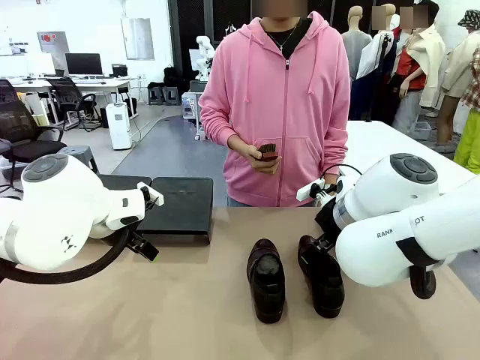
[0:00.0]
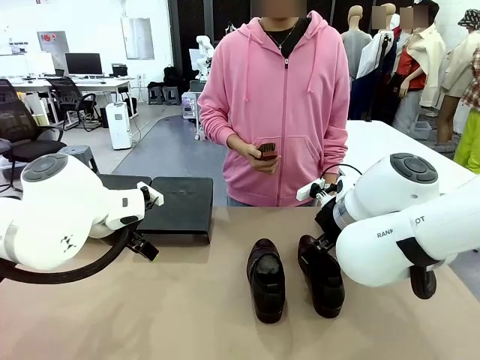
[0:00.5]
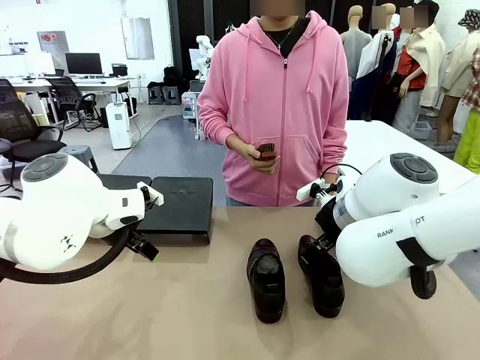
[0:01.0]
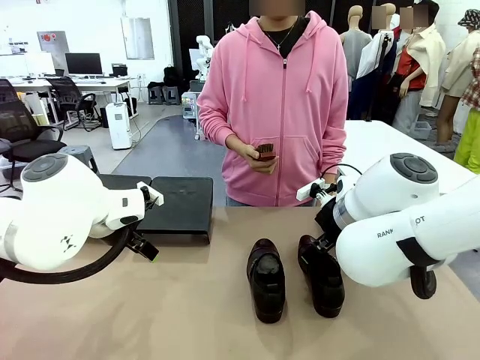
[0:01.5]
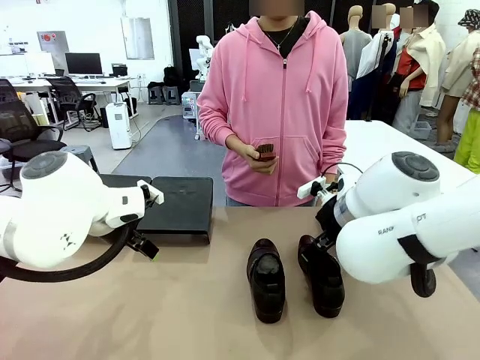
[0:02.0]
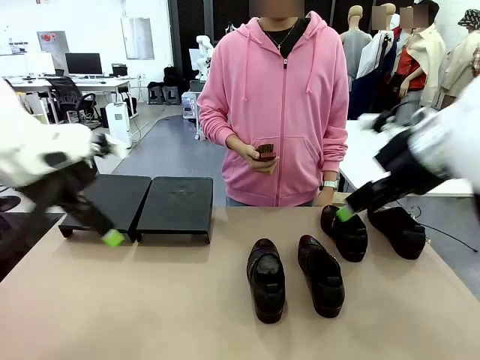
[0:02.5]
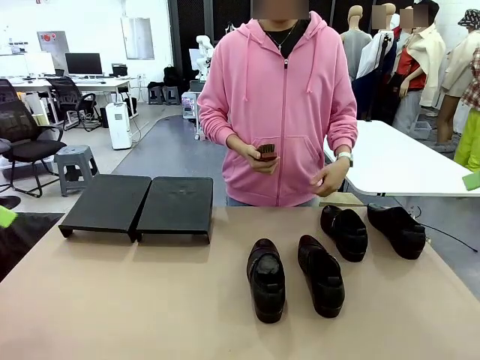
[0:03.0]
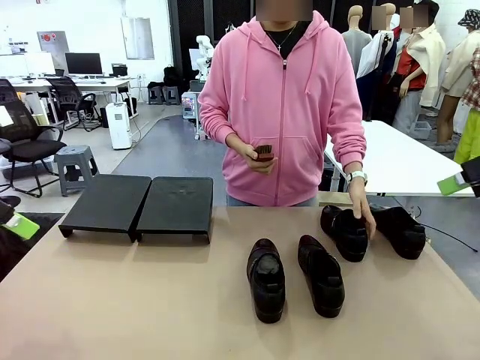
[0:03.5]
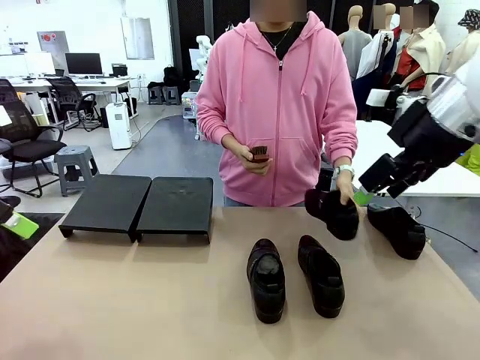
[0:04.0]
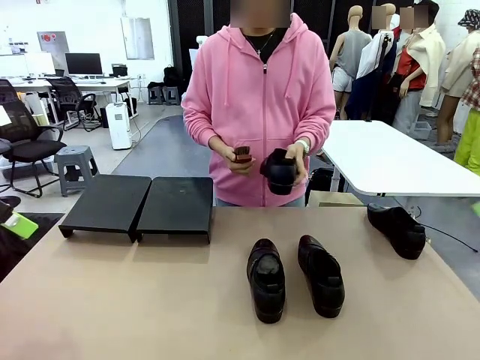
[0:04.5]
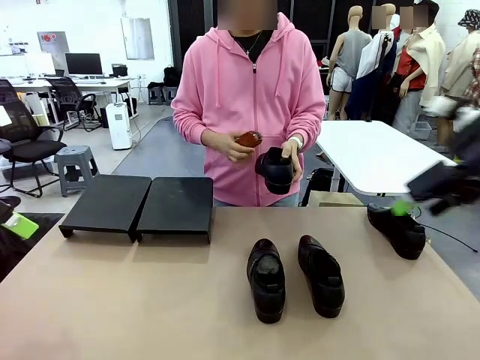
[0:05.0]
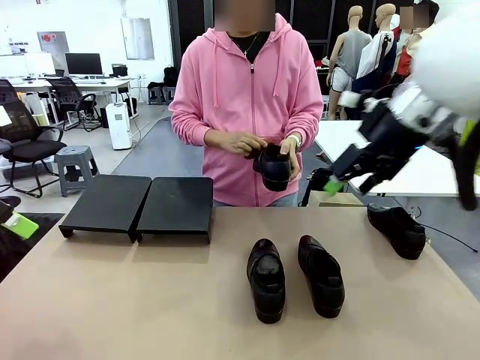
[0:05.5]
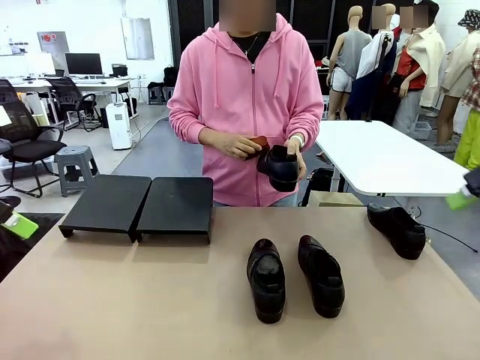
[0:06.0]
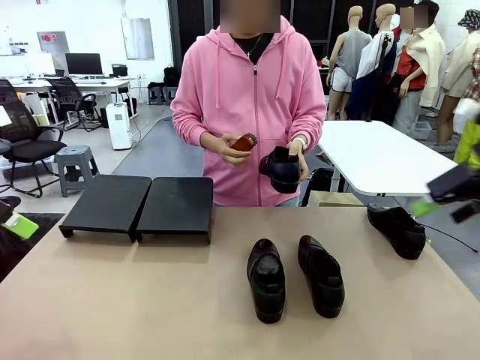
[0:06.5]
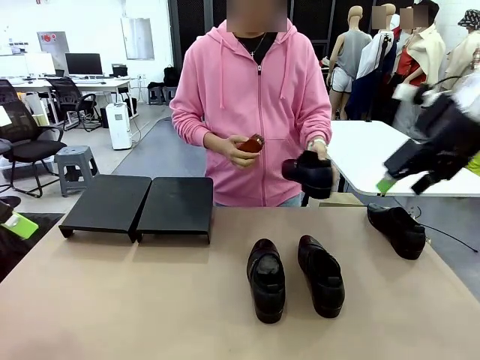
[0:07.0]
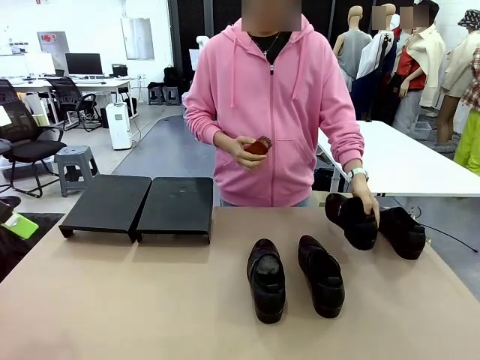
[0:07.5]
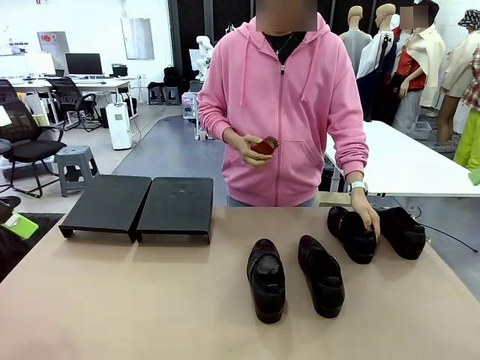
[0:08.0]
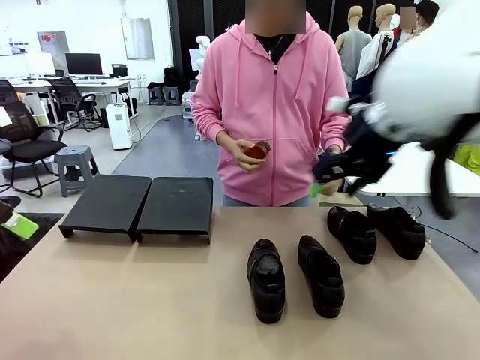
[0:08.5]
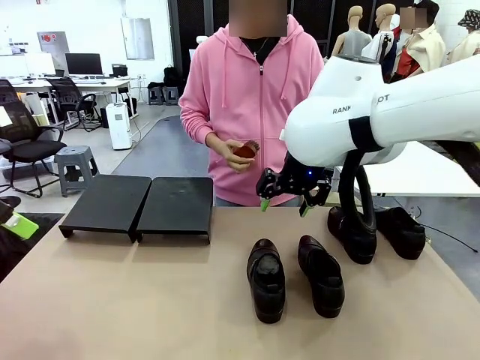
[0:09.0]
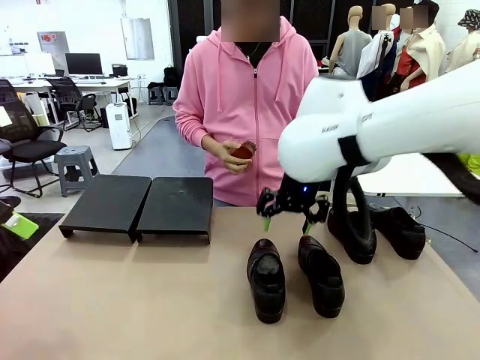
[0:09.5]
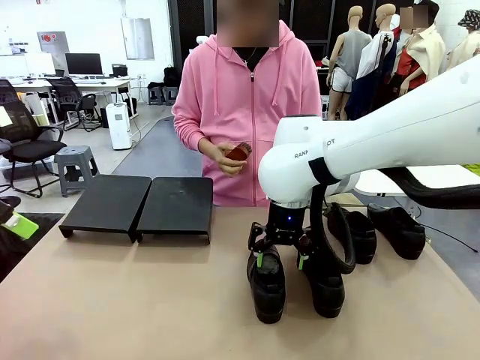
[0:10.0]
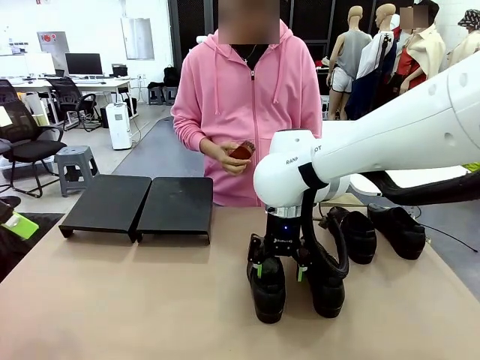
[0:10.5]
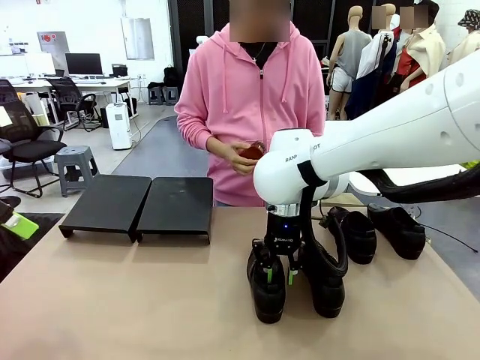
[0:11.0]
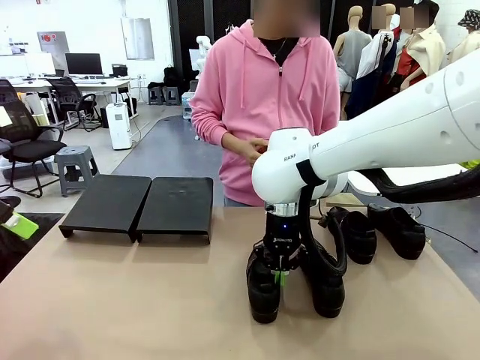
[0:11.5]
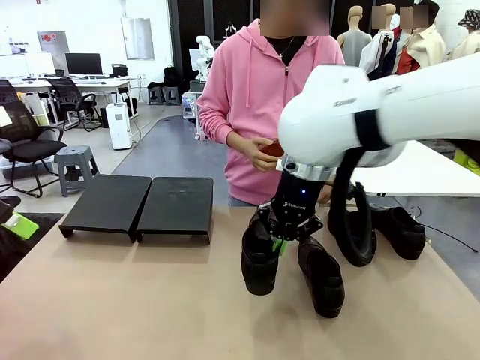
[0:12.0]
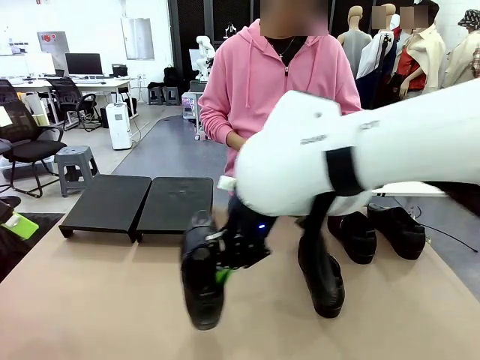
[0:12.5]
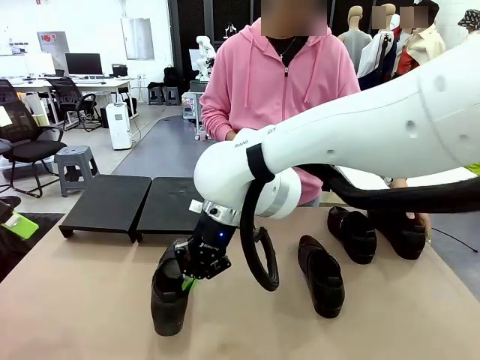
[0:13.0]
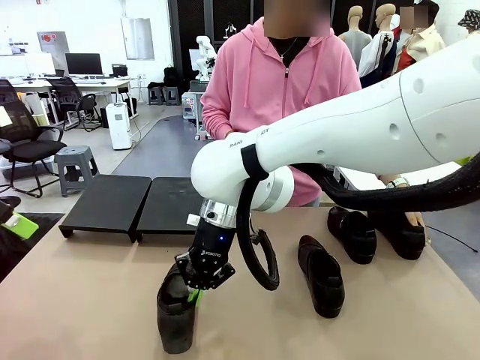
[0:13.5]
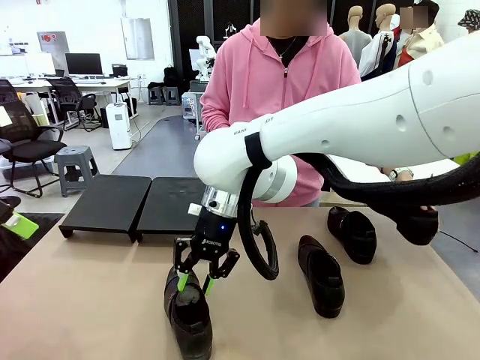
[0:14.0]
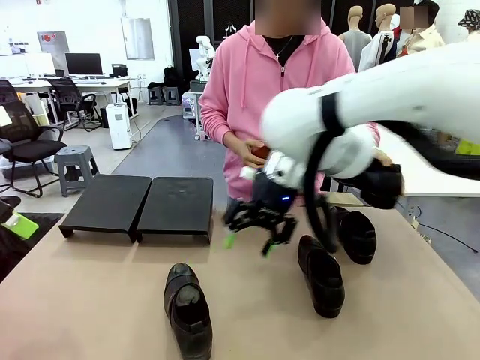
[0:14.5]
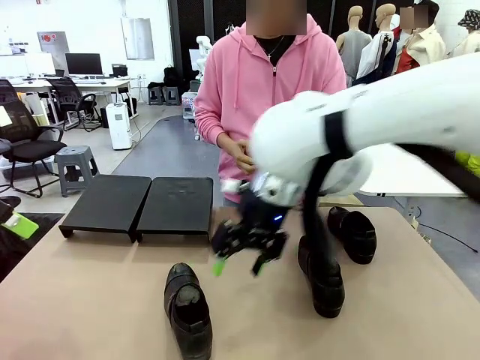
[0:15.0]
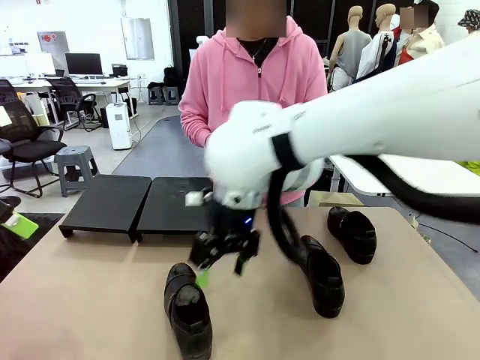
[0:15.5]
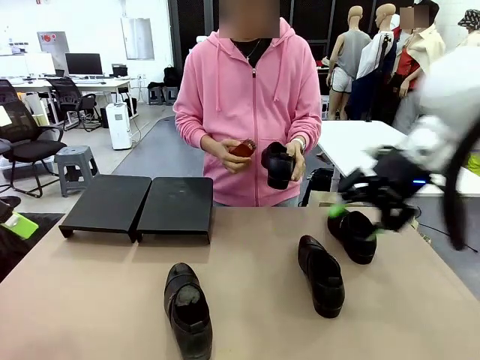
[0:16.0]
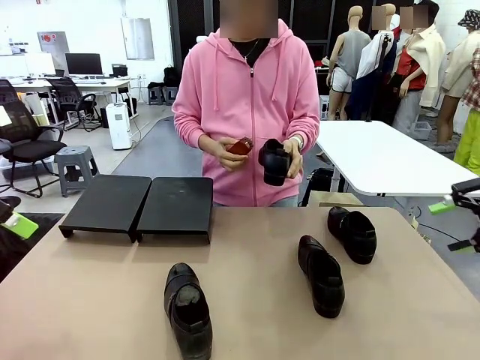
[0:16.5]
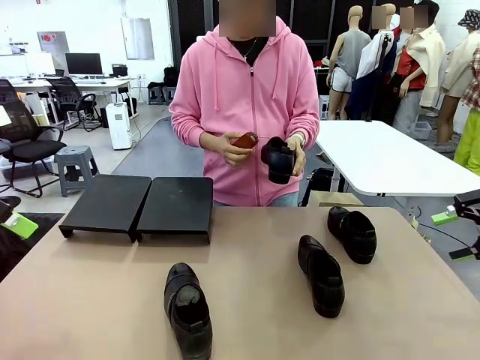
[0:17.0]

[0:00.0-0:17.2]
Task: Organize the shoes by placing them on the stand.
Robot: Pick up one Shoe and place it in the middle of the table.
Person: Pick one Shoe on Robot's table. Clean the Shoe with the Shoe Brush. Place the Shoe on left side of the Robot's table. Pick one Shoe on Robot's table.

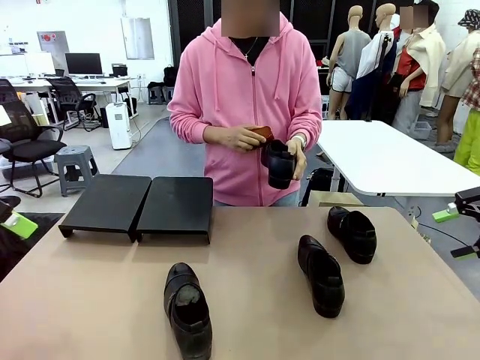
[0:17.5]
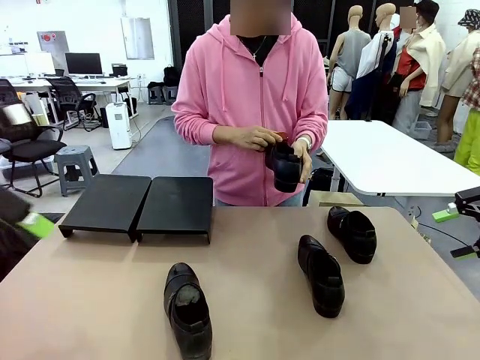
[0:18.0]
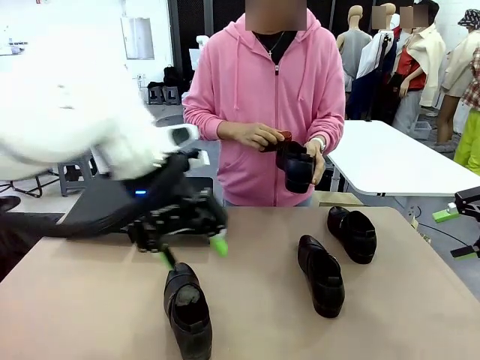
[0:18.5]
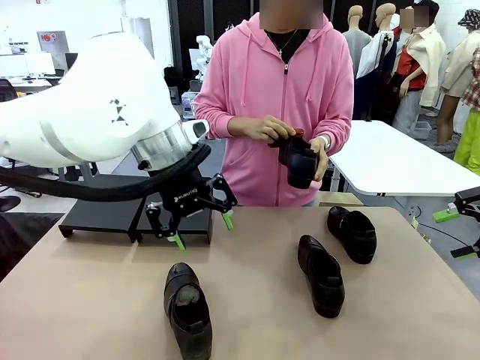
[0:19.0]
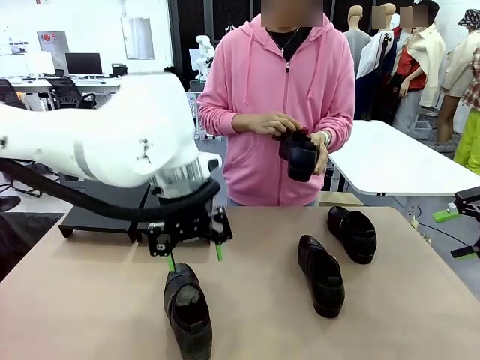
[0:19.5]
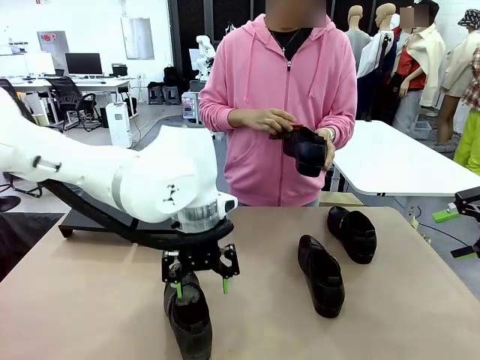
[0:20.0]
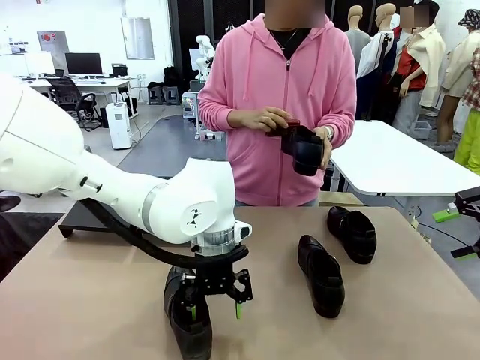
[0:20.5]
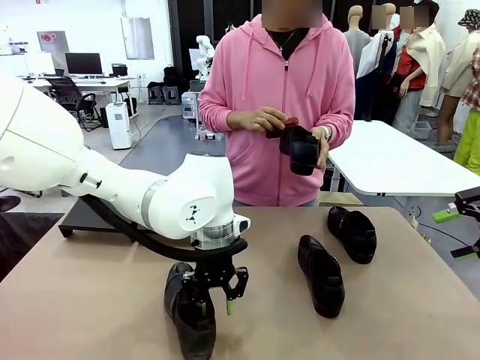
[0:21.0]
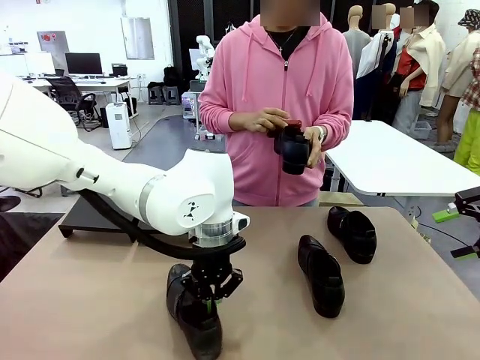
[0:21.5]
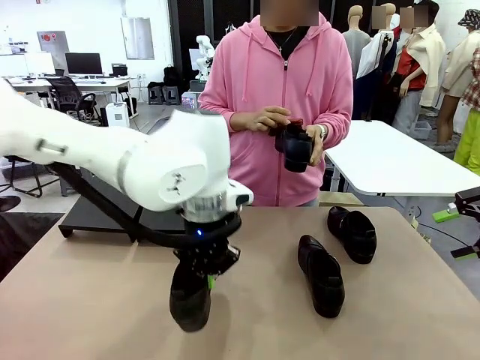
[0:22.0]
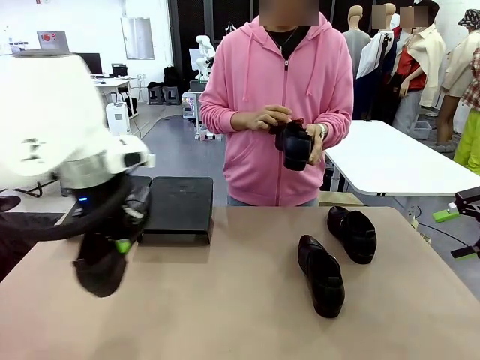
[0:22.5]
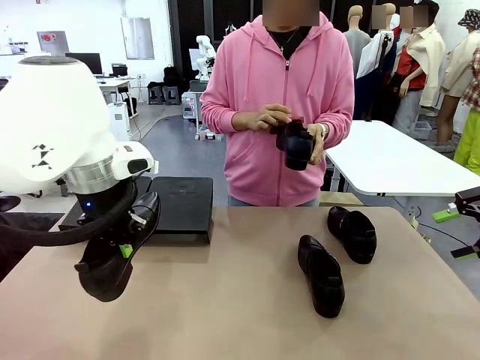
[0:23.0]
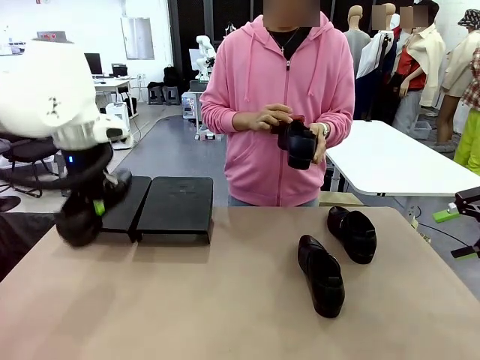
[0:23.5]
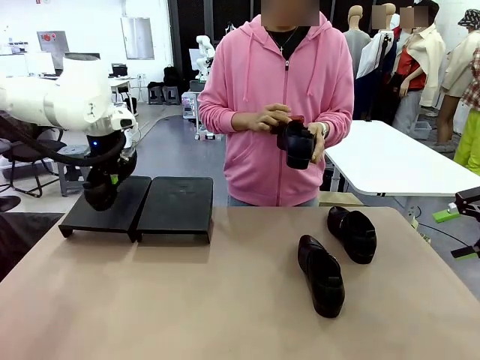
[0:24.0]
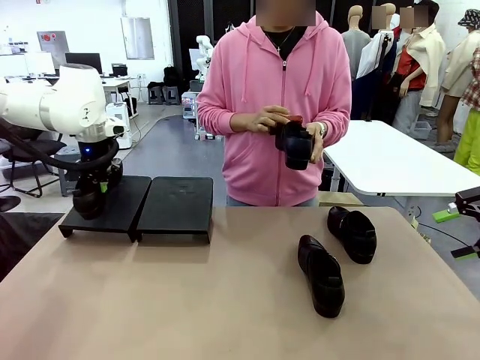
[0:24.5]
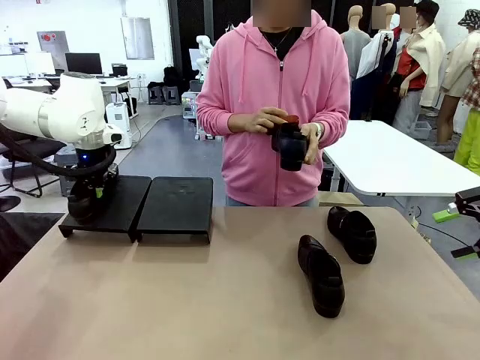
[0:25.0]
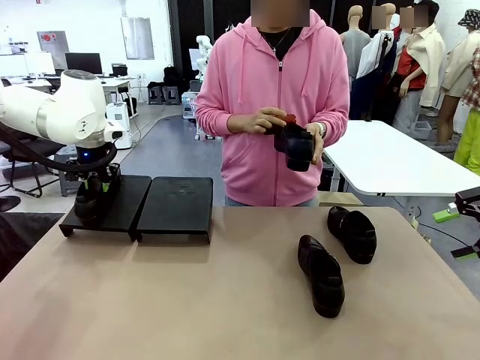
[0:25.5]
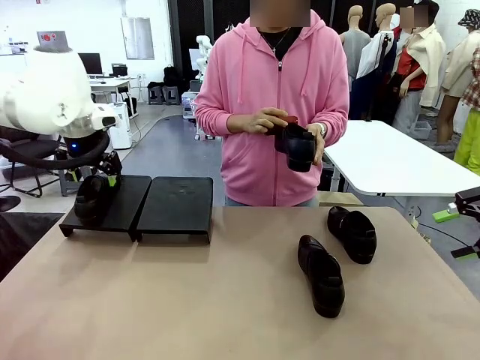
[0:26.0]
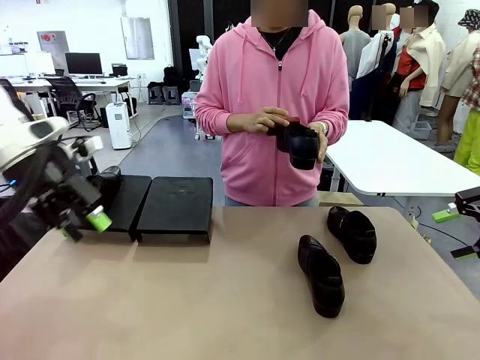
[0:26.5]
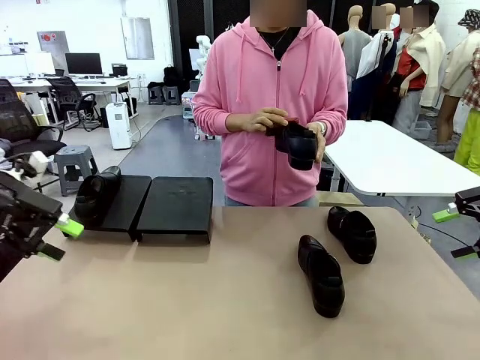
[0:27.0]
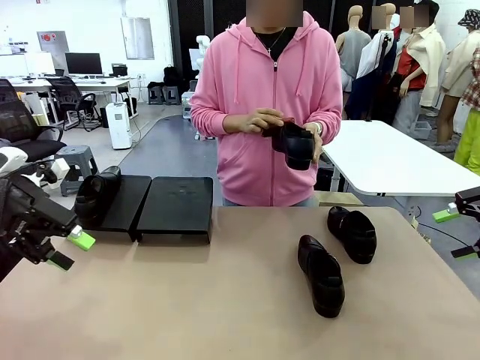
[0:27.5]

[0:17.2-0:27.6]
Robot: Place the Shoe from the middle of the table onto the Shoes Stand.
Person: Clean the Shoe with the Shoe Brush.
